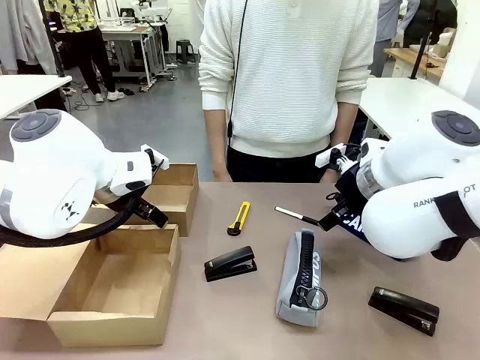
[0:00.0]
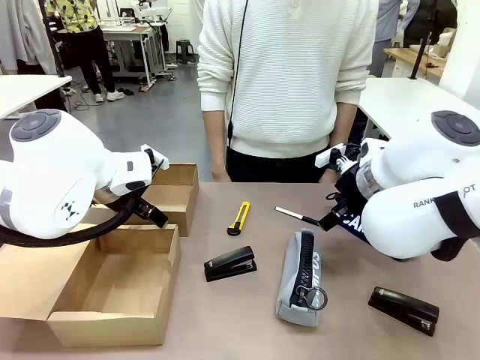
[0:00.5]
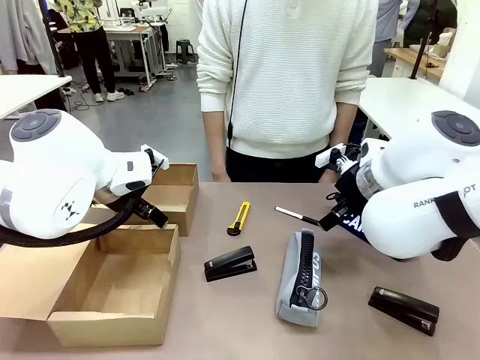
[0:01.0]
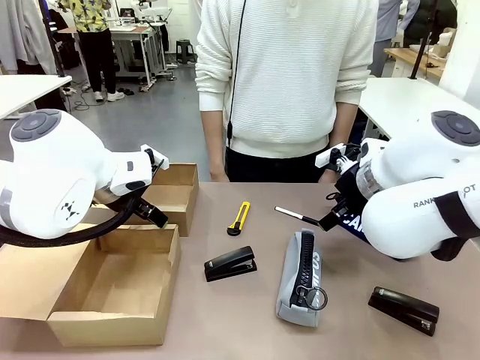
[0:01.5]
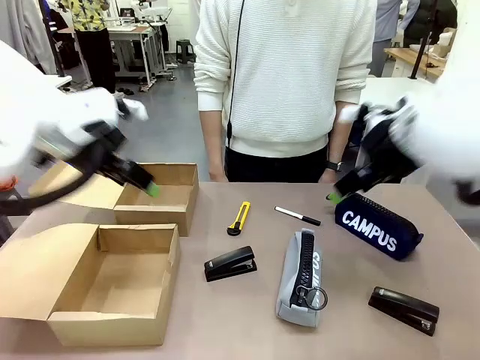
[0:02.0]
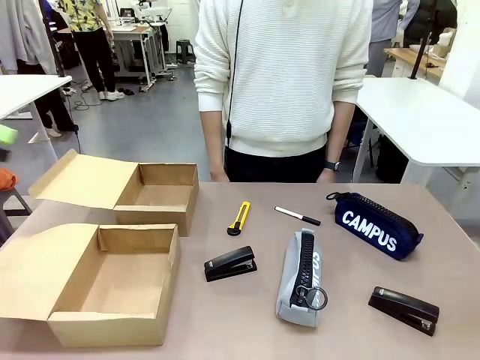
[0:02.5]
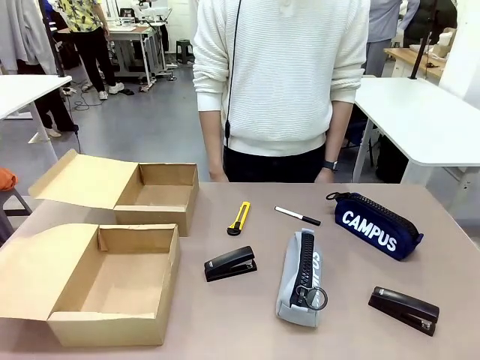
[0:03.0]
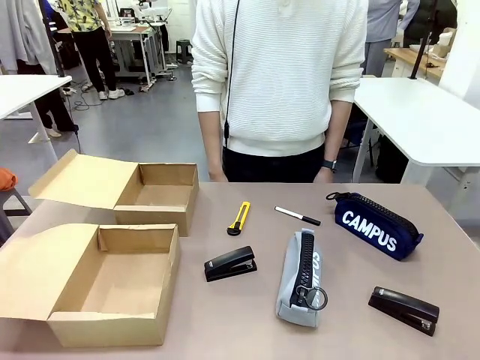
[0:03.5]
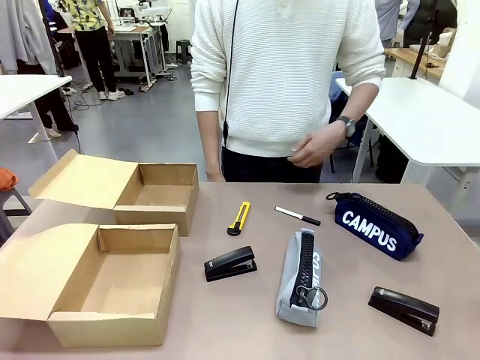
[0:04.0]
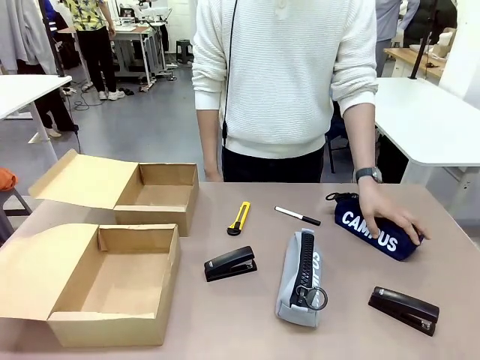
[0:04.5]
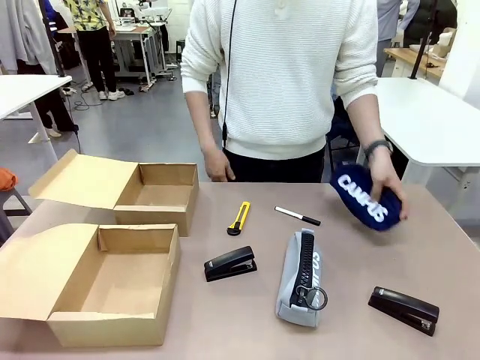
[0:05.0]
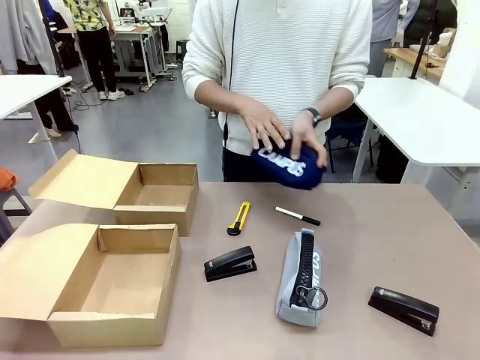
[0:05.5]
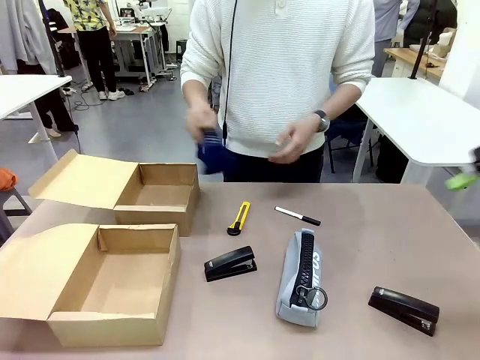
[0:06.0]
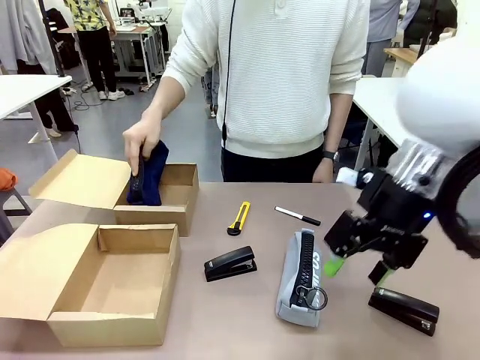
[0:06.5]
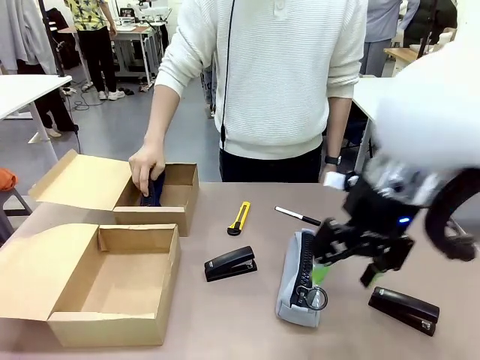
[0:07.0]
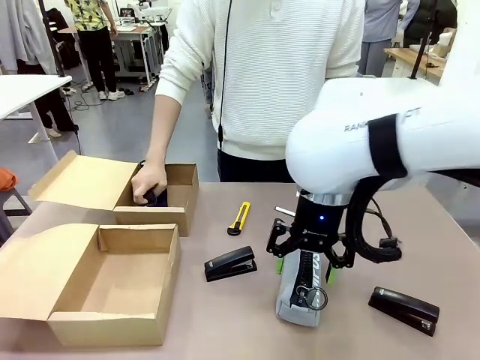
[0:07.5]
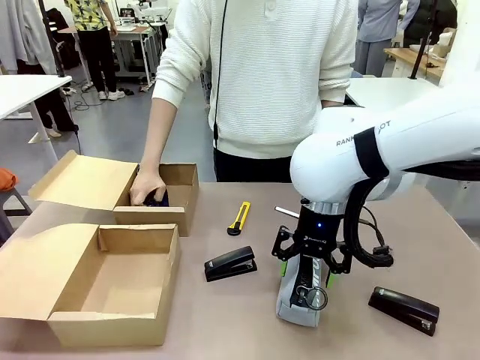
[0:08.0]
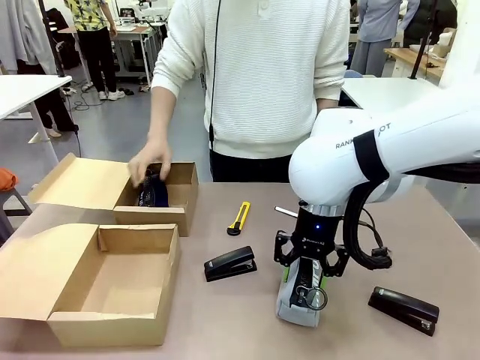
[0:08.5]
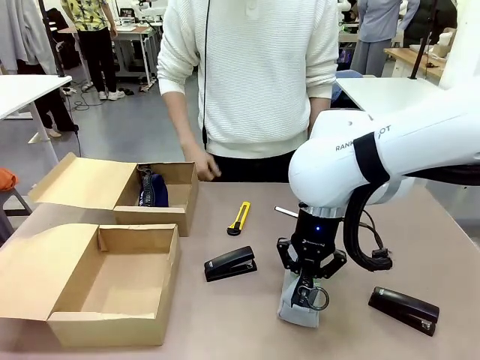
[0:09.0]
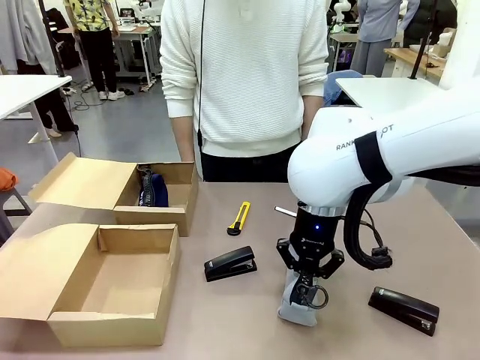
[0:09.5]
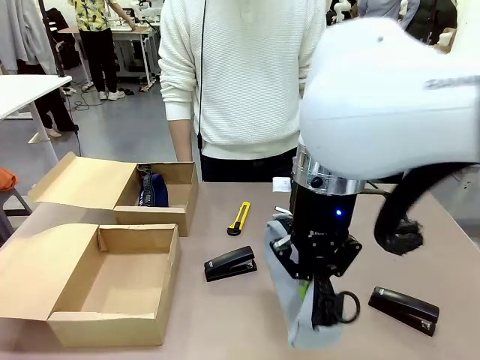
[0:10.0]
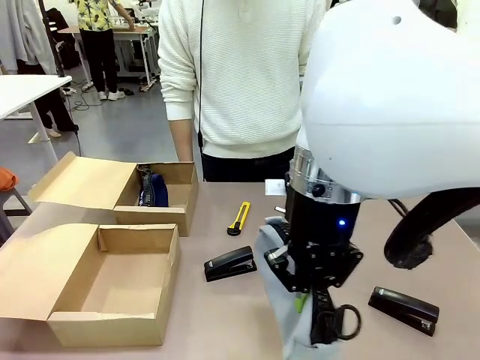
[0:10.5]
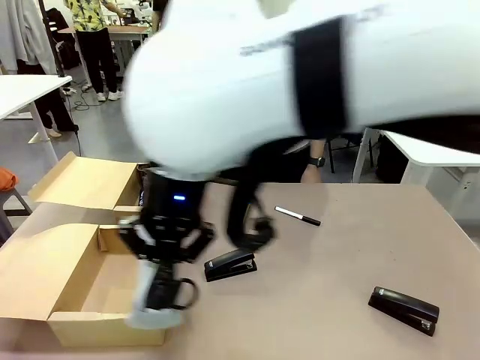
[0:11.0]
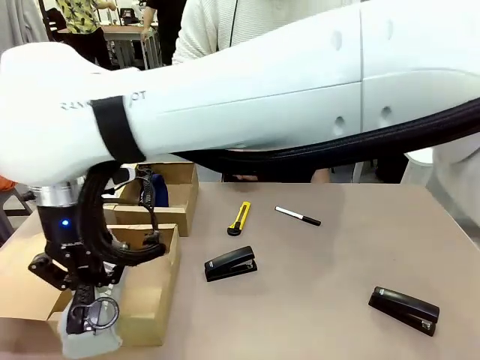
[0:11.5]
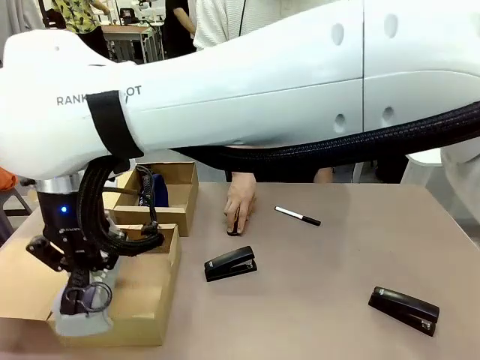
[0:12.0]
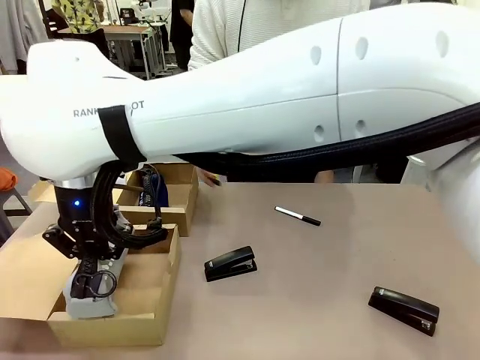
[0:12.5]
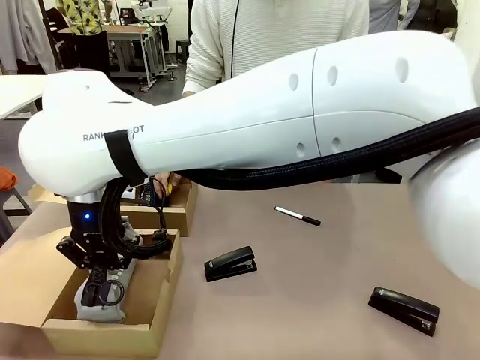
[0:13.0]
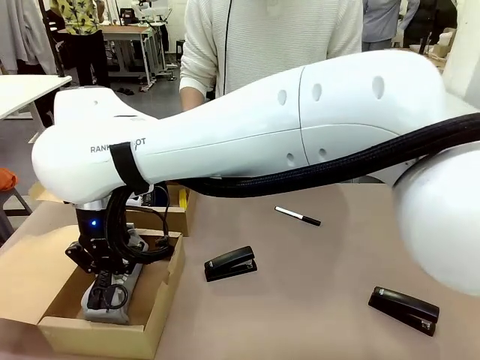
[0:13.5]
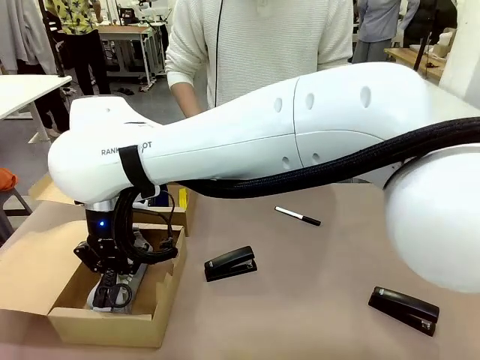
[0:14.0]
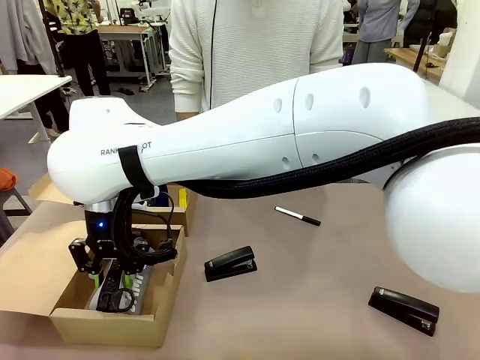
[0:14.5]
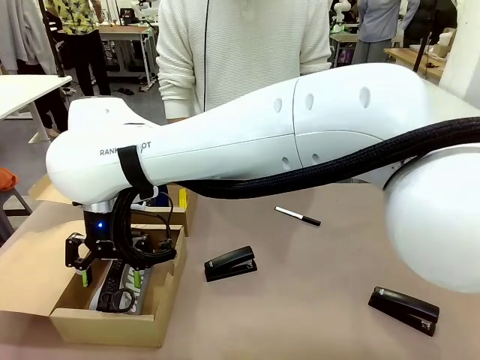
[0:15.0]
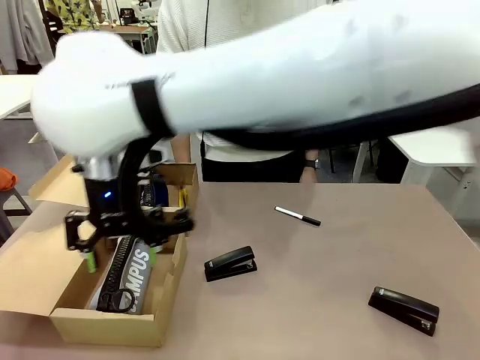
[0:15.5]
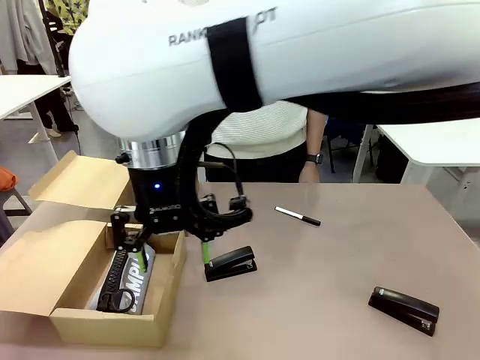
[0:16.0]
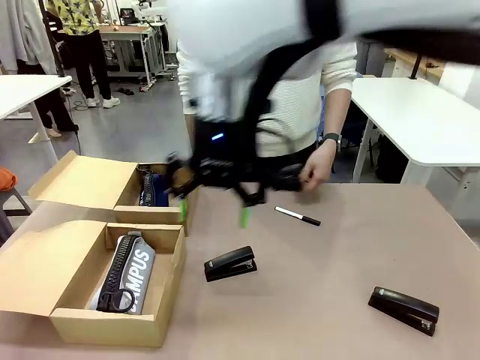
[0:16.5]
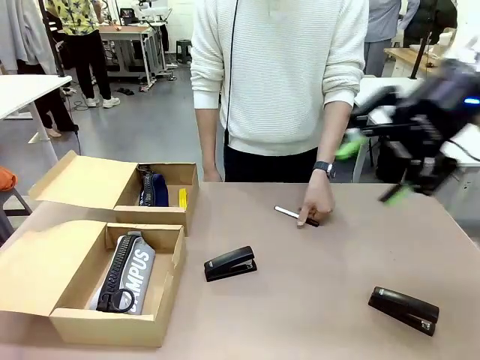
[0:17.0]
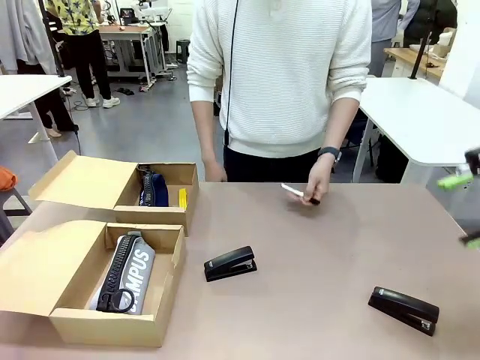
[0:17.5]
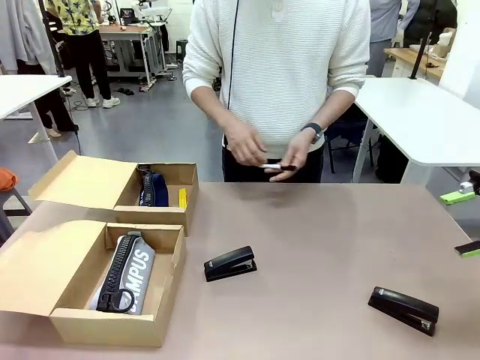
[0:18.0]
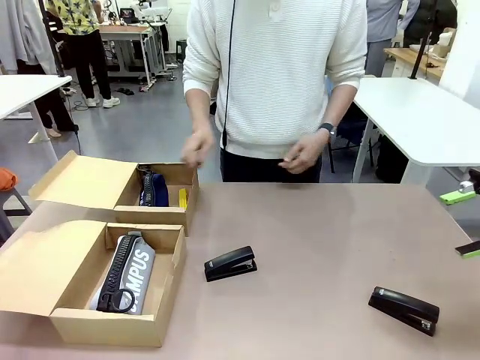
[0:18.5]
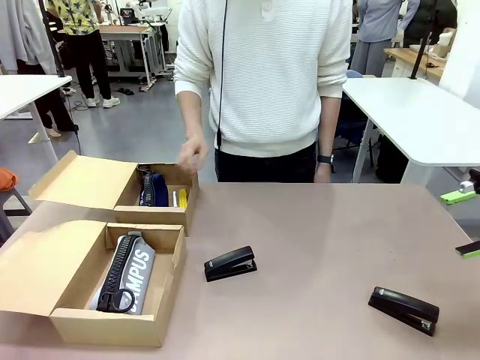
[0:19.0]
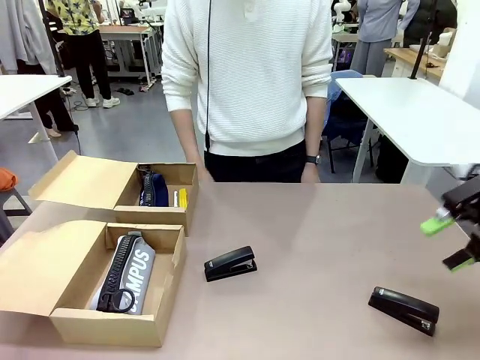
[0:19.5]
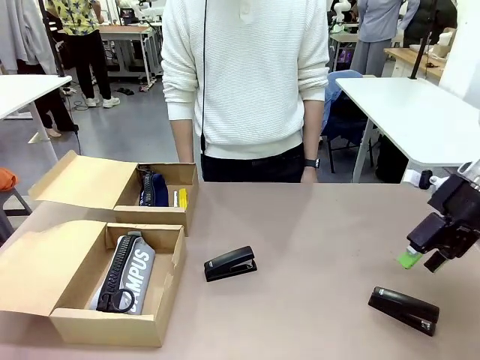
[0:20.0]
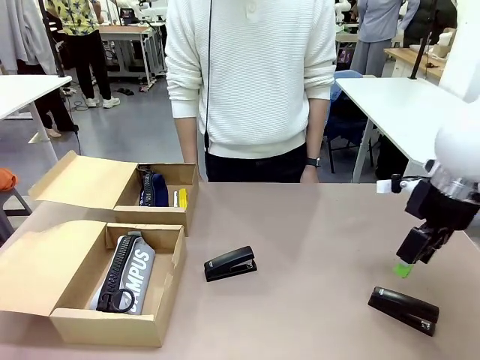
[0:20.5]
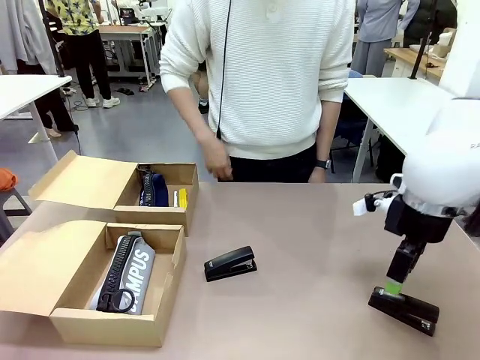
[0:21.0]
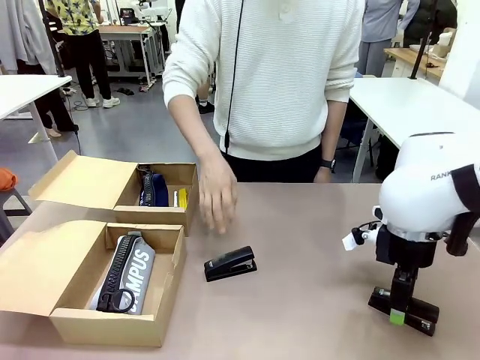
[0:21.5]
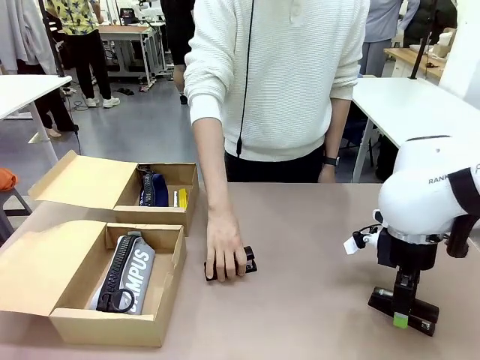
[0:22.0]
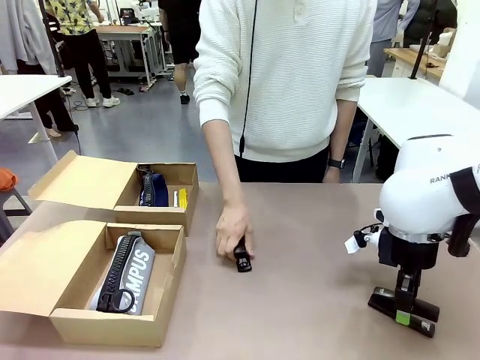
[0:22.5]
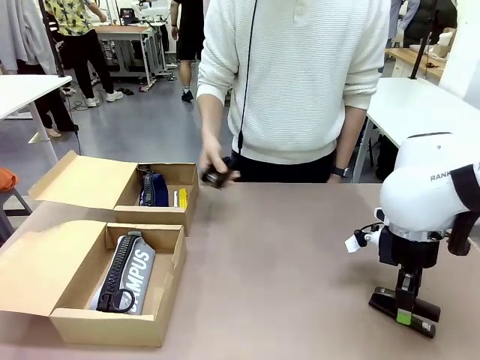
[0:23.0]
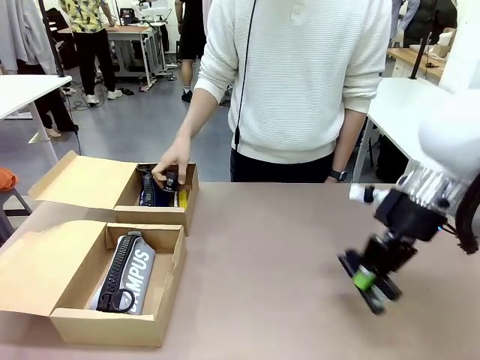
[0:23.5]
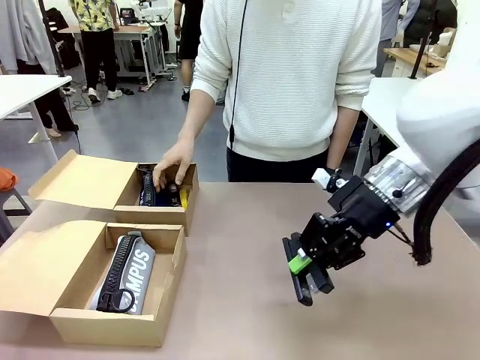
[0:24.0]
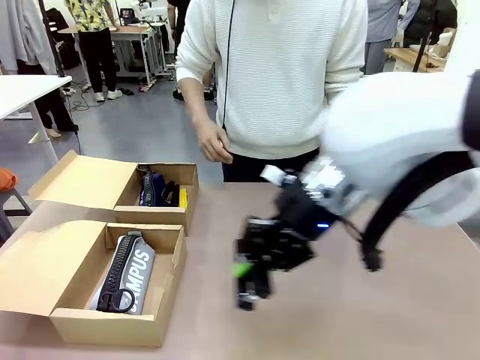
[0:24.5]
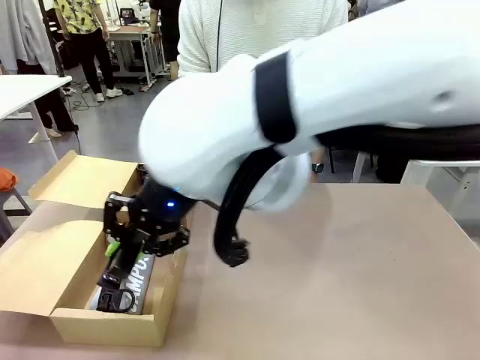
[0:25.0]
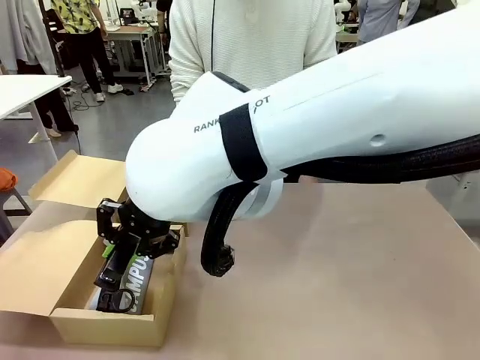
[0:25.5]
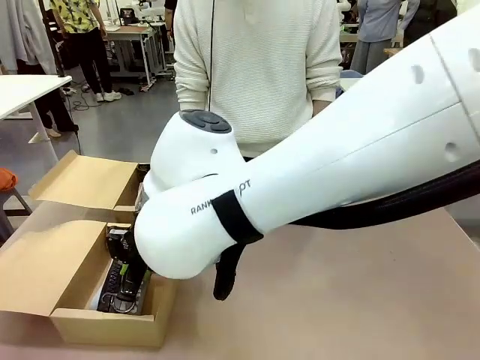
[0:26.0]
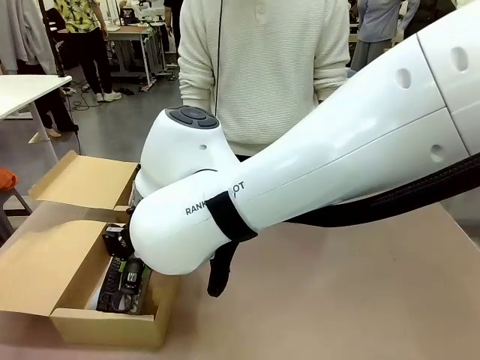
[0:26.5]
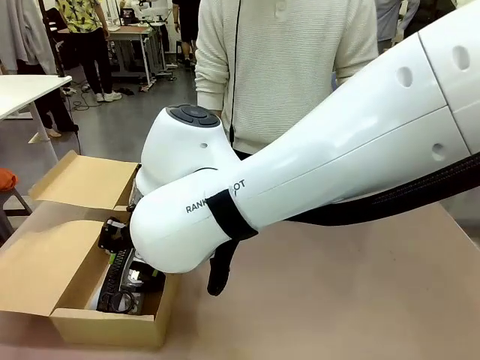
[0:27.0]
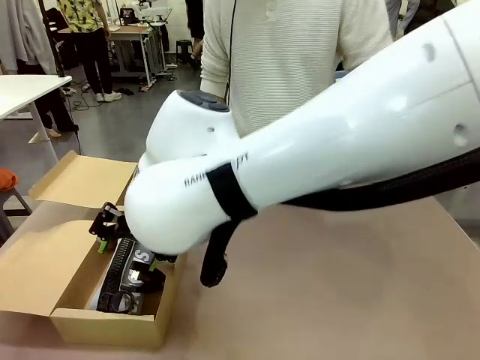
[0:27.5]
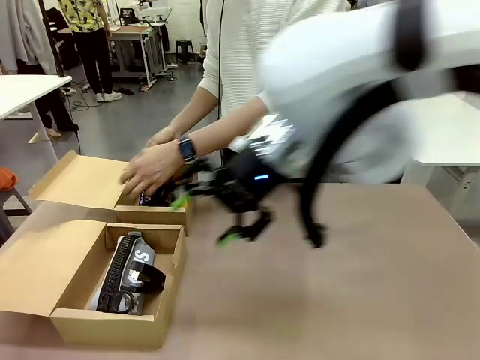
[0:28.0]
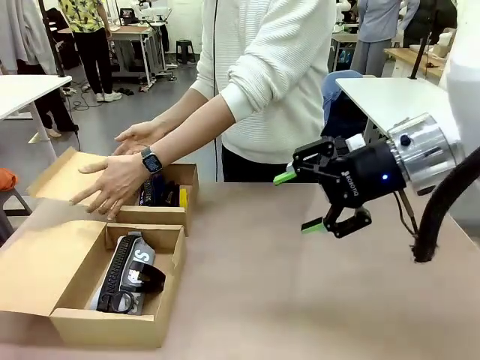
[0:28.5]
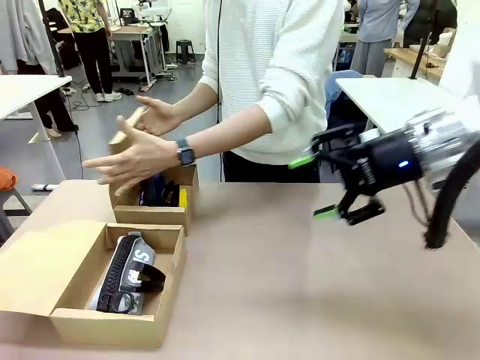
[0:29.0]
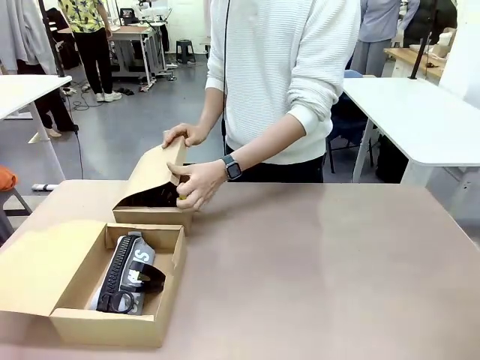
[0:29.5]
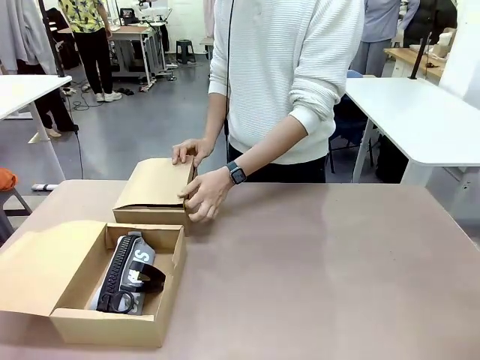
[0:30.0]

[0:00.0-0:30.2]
Task: Place items inside the box.
Robot: Pick up a Pencil pouch or Stapler and place it inside the Mailer Box closest to the robot.
Person: Pick up an object on the table and put it in the box.
